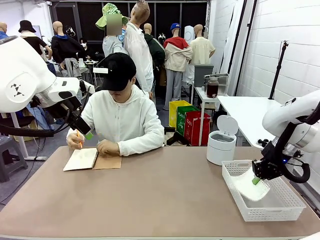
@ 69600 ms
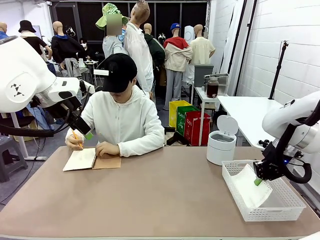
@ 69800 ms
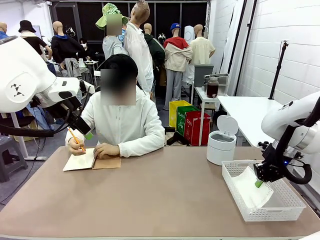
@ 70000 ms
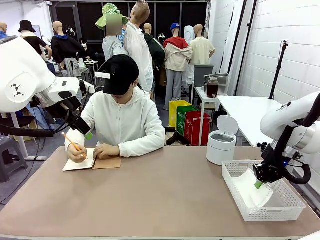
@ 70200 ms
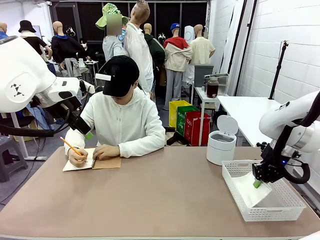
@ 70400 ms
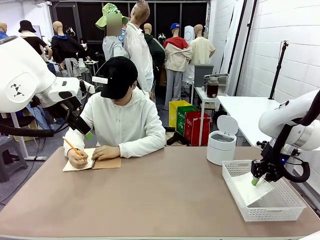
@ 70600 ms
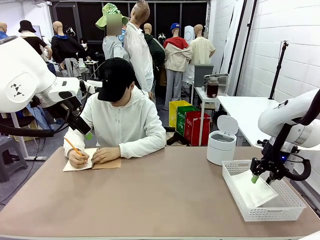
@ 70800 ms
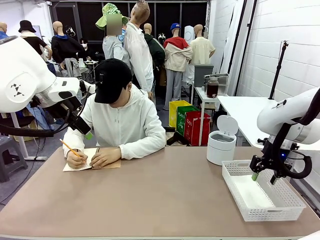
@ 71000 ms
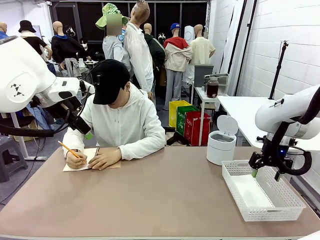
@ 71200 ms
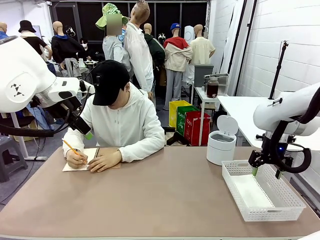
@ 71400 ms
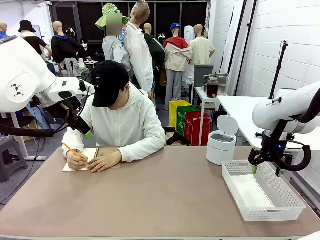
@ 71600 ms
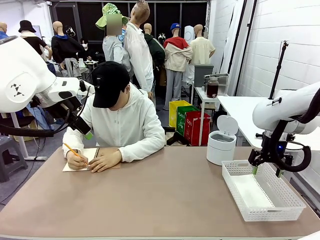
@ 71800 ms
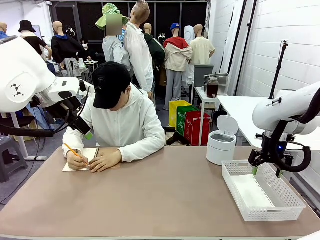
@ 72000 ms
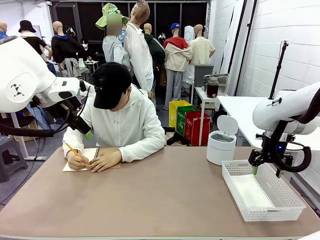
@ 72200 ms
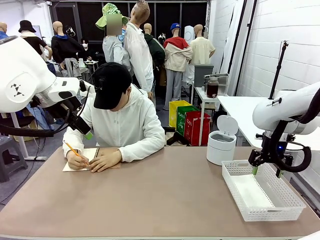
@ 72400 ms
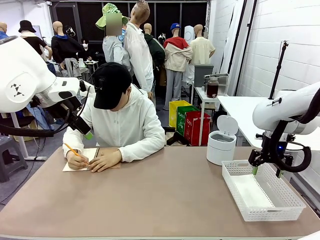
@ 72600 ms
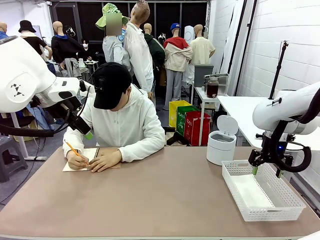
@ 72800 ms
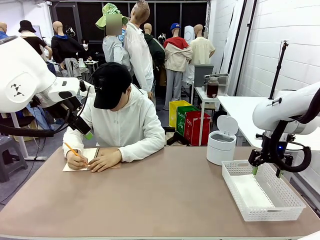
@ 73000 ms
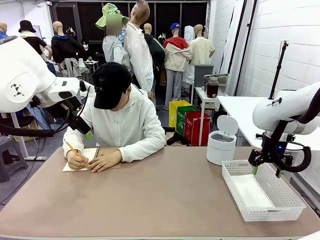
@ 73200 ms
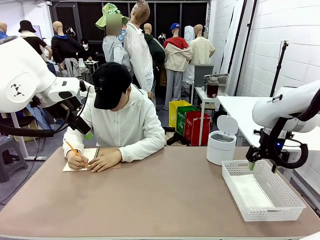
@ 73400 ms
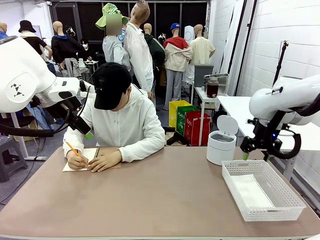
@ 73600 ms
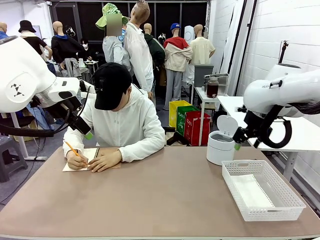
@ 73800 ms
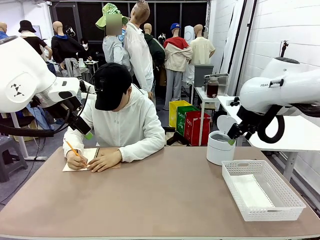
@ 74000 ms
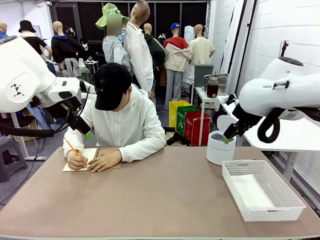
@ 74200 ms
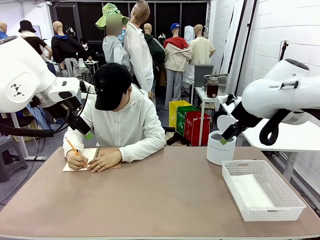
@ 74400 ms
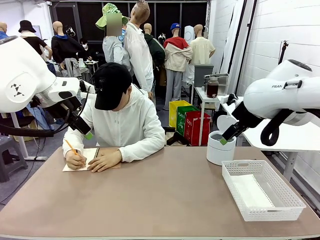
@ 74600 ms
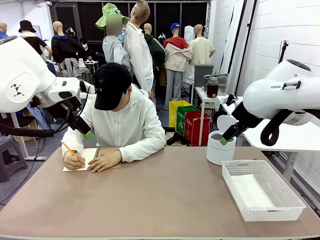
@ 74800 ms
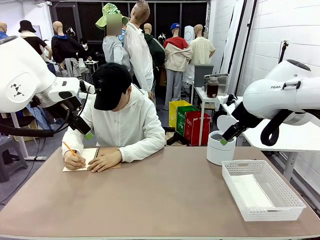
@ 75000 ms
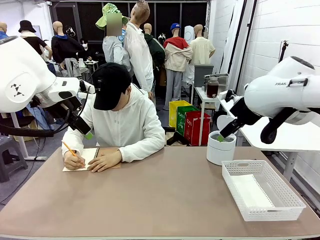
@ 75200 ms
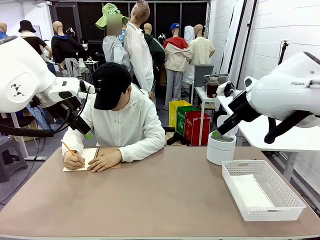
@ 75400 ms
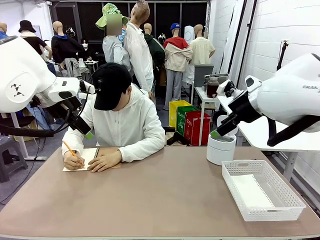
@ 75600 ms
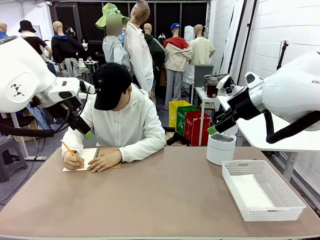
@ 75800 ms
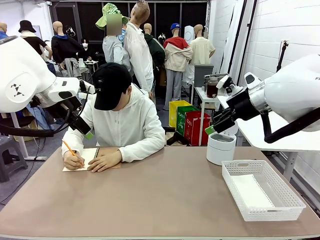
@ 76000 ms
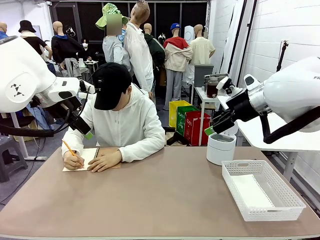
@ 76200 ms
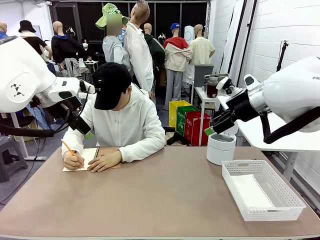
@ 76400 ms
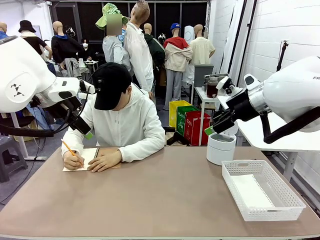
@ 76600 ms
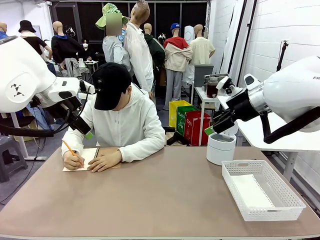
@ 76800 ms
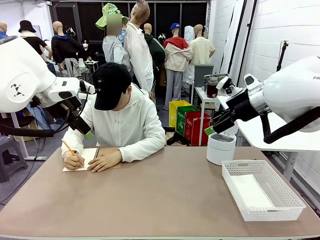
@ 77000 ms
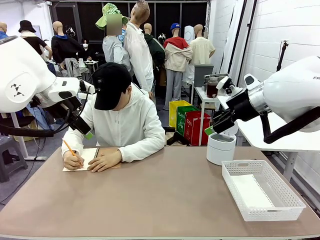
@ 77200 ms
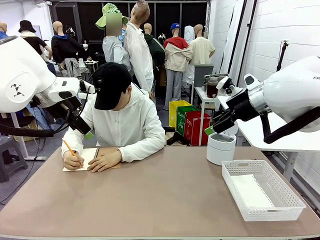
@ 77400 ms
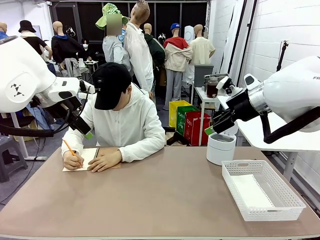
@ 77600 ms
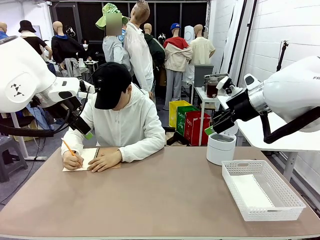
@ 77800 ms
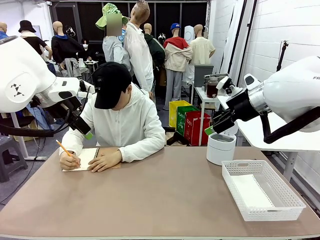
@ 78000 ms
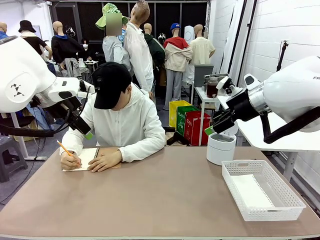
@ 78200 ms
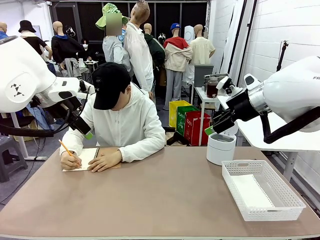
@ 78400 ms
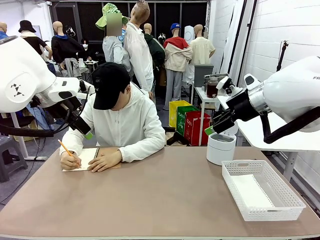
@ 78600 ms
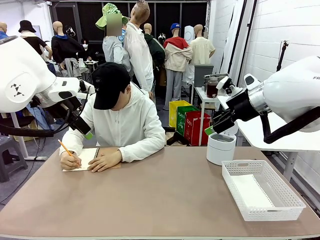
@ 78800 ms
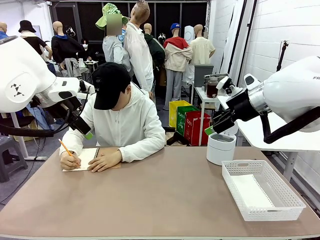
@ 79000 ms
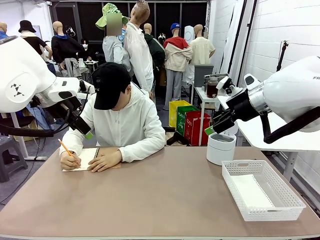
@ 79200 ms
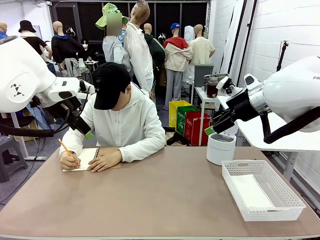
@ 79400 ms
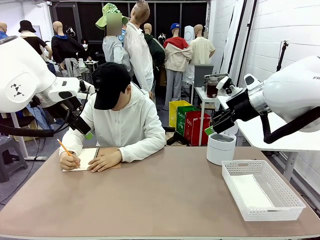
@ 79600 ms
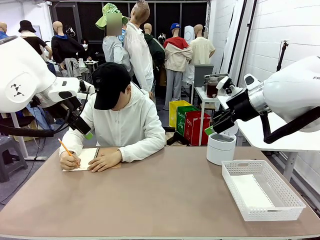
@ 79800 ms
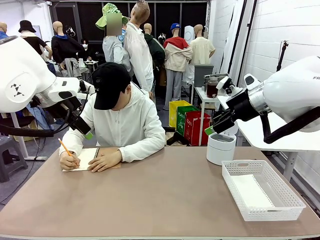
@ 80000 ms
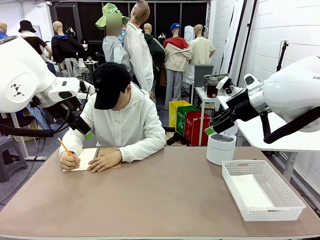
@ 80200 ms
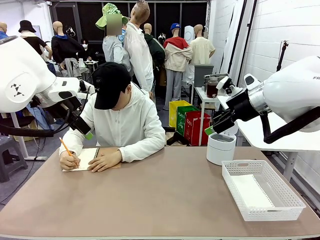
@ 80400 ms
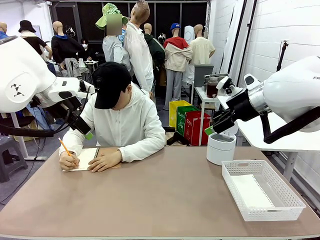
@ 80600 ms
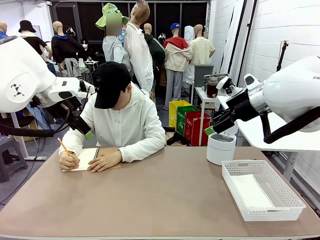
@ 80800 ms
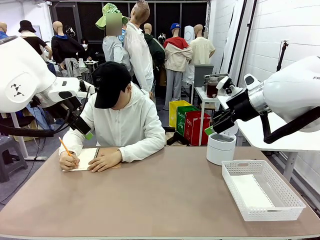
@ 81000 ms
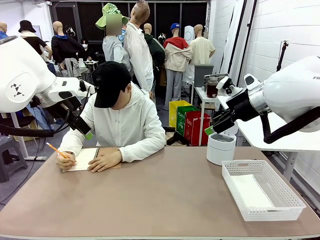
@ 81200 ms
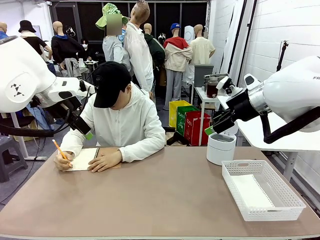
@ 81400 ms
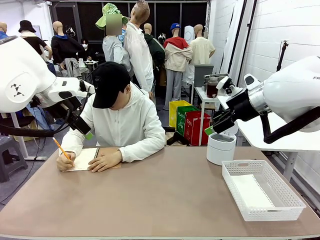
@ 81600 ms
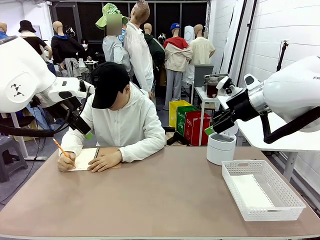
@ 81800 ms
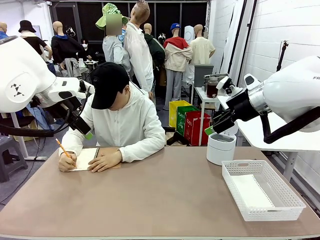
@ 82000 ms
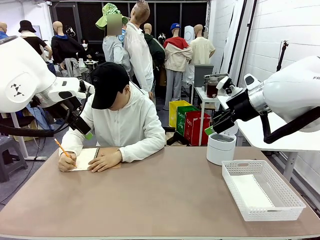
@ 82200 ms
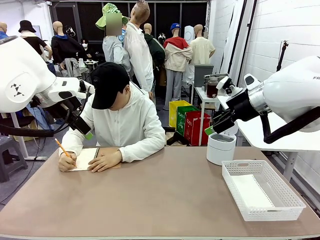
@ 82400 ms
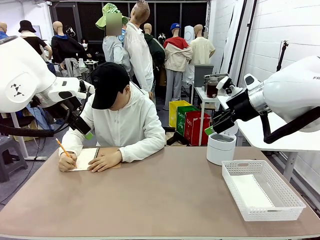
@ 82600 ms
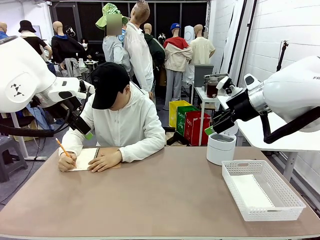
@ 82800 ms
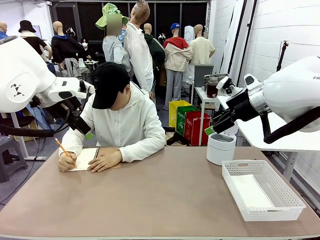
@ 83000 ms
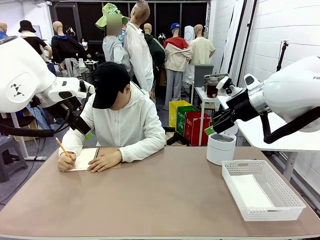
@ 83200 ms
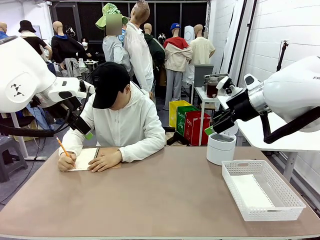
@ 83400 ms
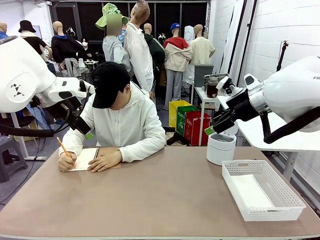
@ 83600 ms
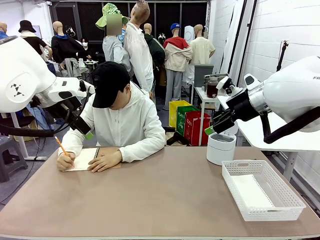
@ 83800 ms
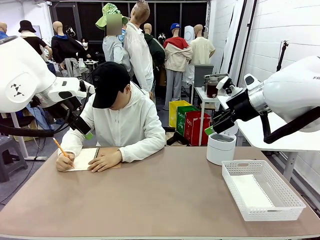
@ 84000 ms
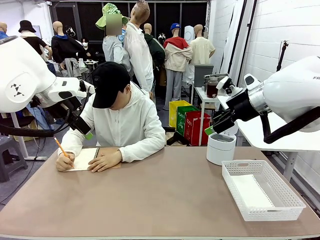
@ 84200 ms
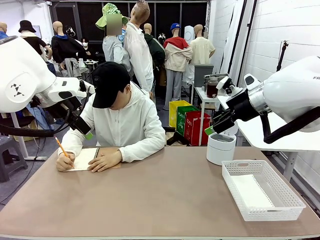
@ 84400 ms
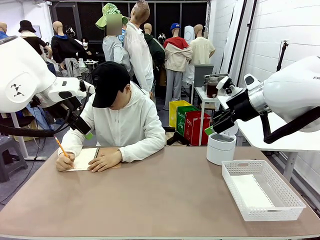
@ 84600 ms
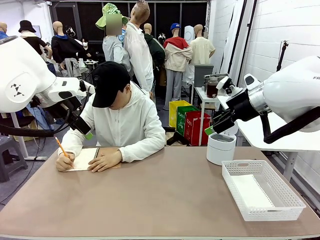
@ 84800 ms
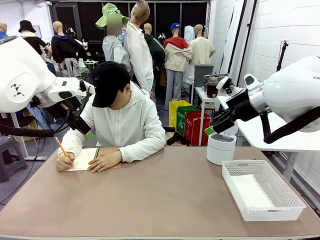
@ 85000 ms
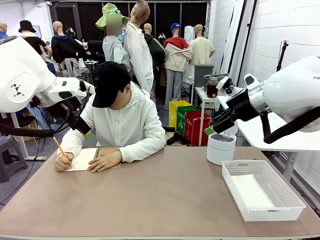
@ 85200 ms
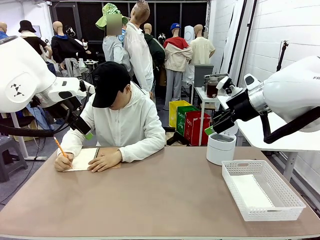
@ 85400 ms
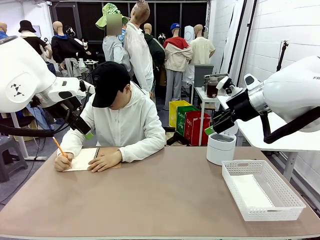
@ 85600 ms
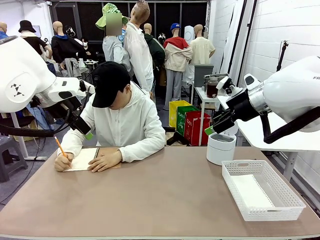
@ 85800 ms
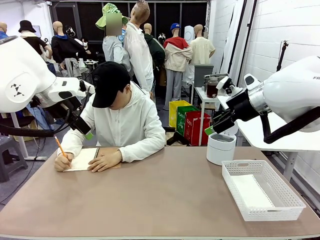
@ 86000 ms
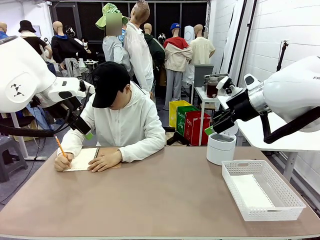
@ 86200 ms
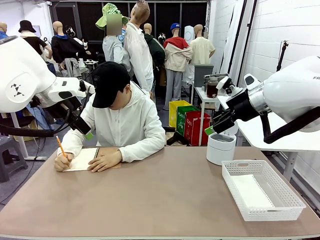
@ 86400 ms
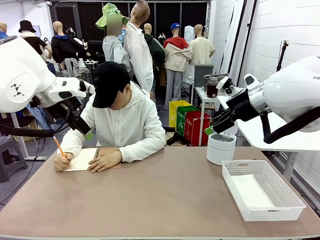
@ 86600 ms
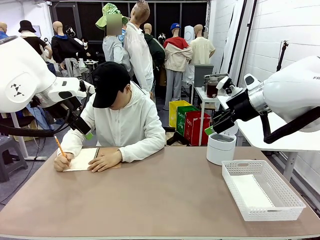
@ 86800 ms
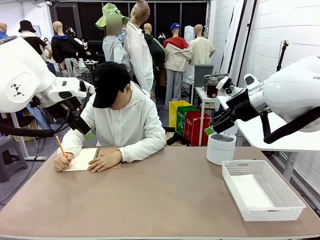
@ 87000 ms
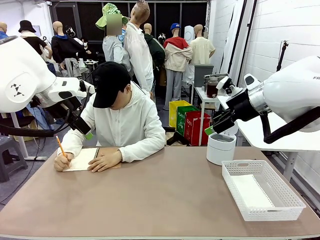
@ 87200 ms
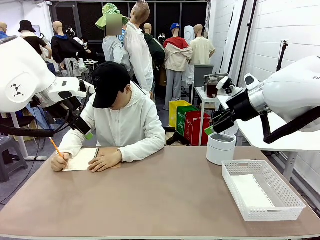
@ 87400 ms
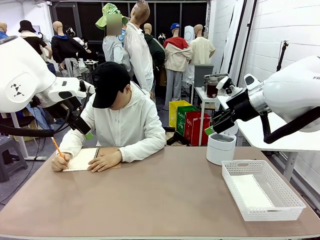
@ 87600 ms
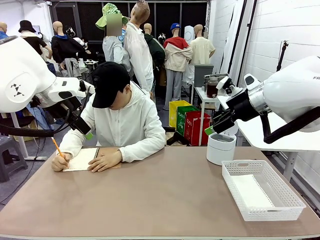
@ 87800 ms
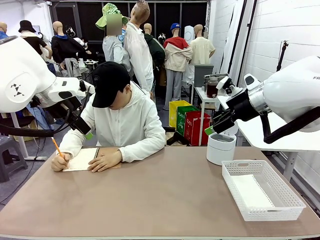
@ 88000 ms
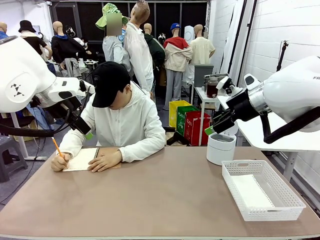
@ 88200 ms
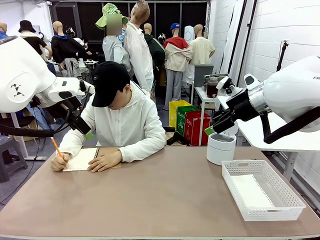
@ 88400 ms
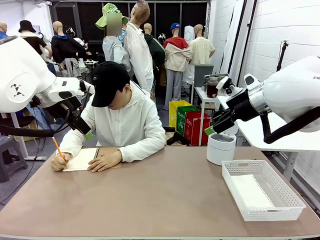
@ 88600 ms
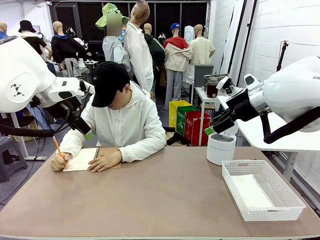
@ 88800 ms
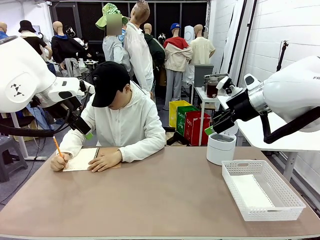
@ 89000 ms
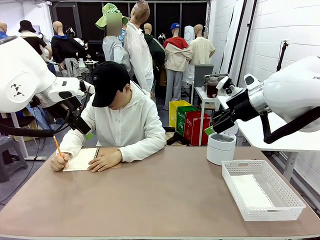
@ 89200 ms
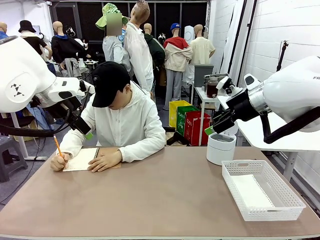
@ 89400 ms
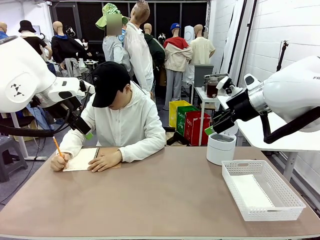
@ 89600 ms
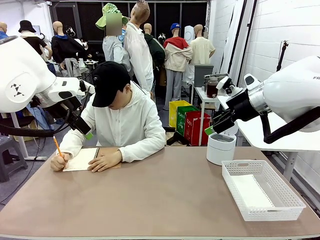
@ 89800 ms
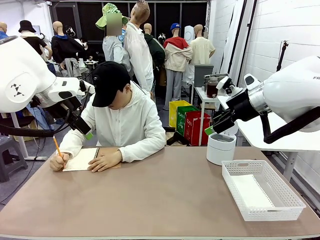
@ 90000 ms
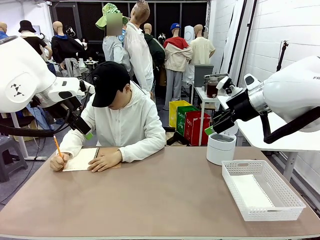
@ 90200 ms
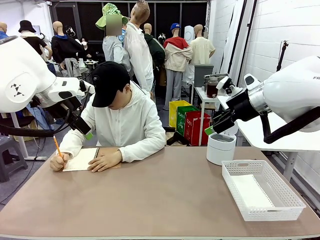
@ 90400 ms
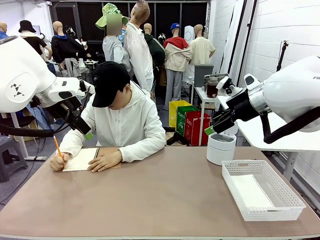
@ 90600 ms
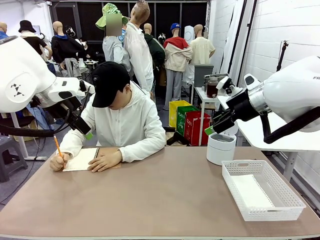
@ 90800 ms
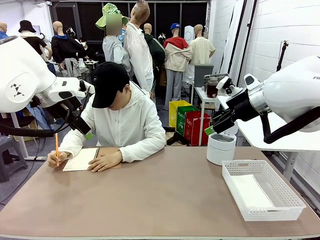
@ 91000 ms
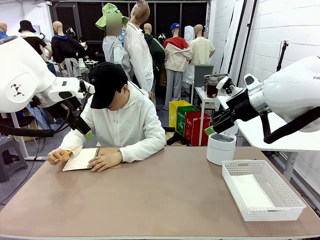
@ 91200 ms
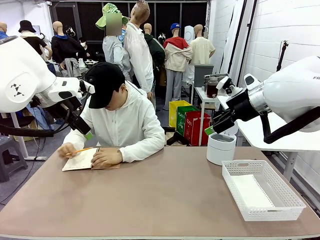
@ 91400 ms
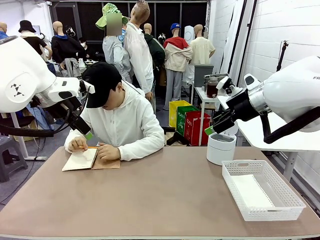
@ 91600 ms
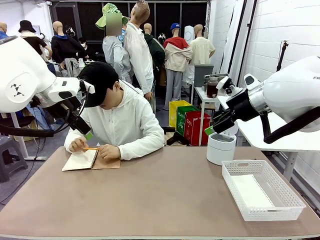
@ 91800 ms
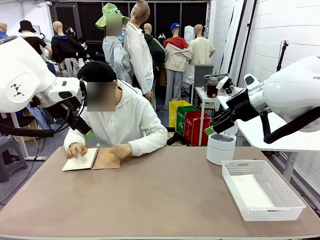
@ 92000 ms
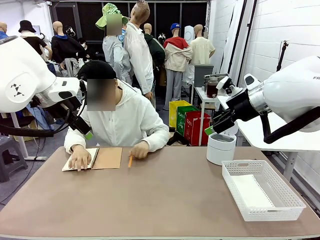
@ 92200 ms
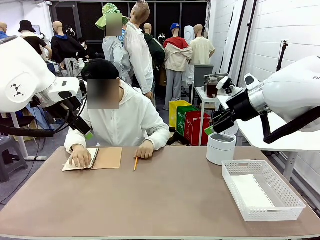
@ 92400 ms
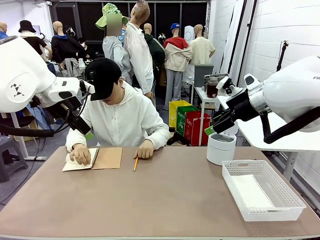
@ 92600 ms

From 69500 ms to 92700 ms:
Task: Sort the paper based on its condition.
Robot: If a person hands you a paper, place it in the Organizing basket , and if it's crumpled, put it in the Trash can.
Person: Tear out a page from the spiral notebook.
